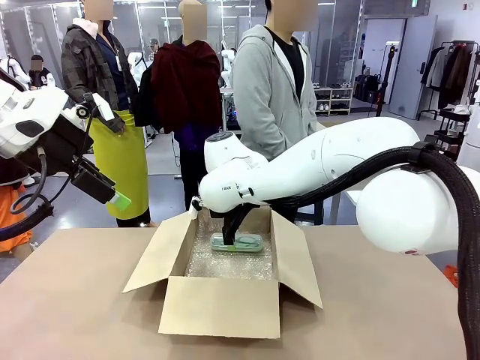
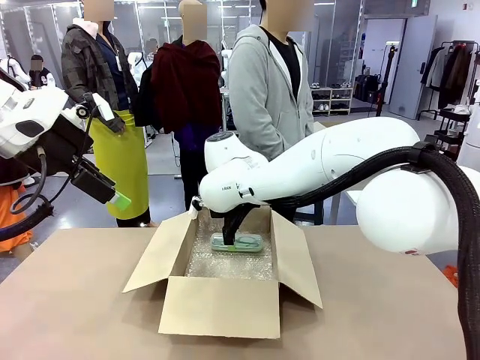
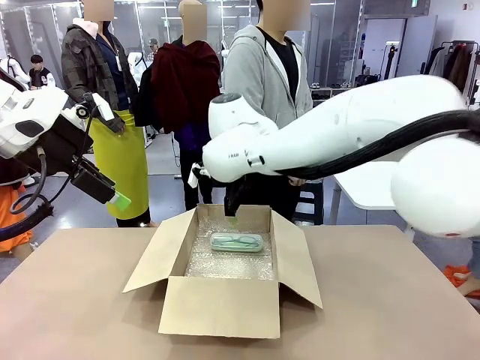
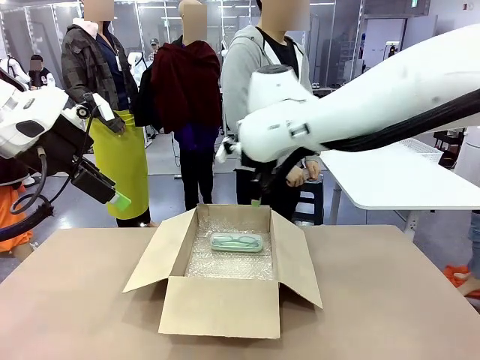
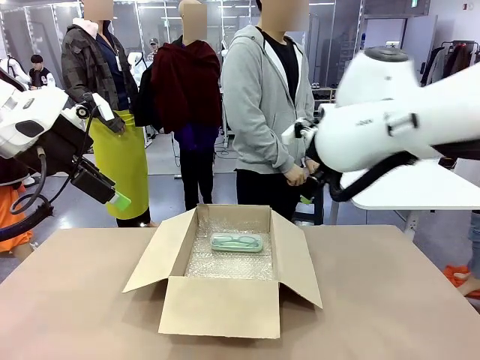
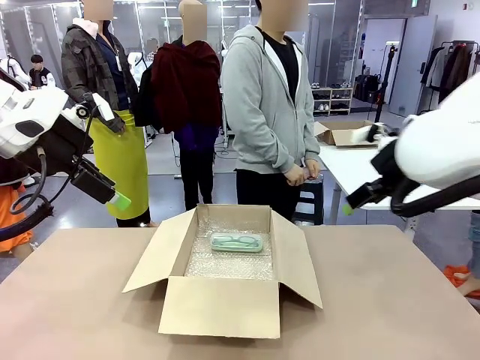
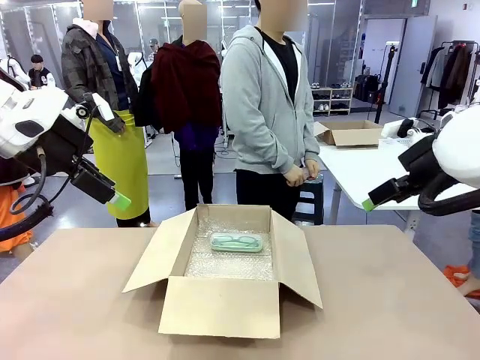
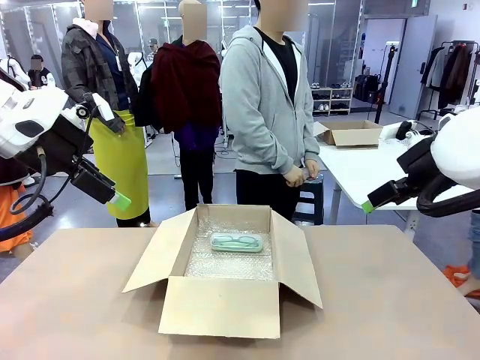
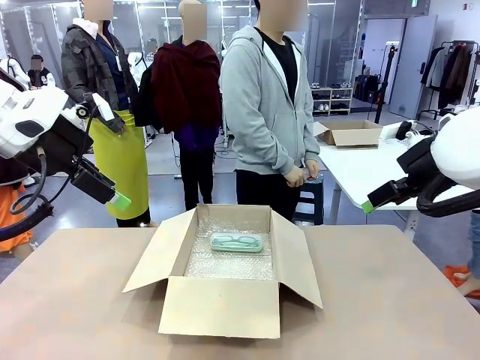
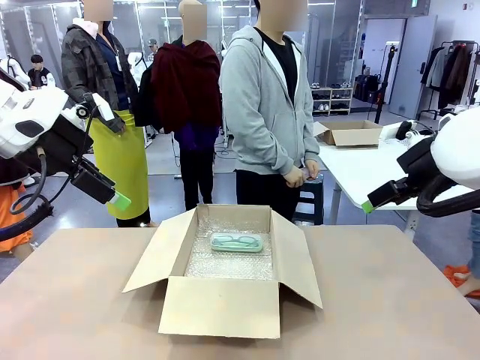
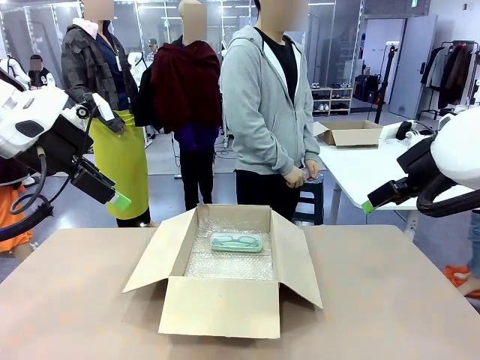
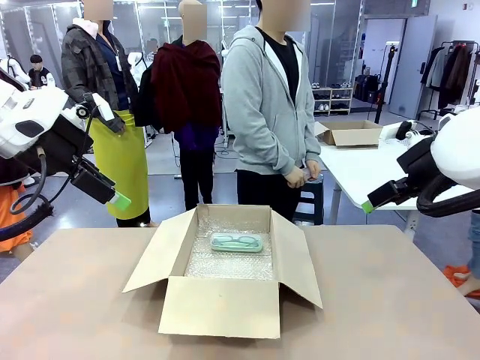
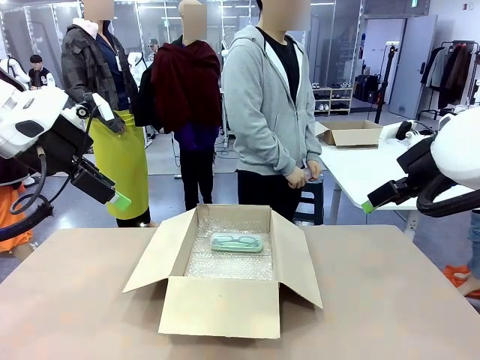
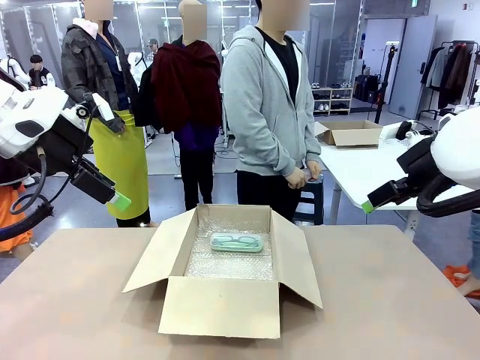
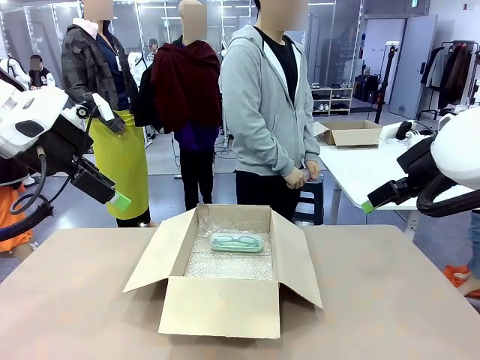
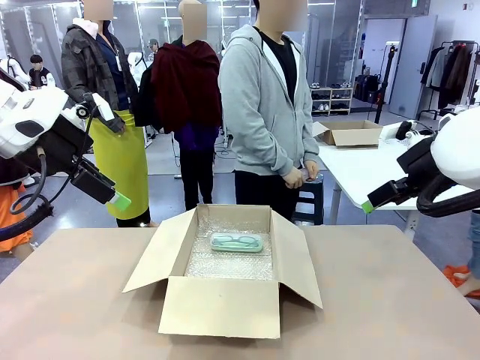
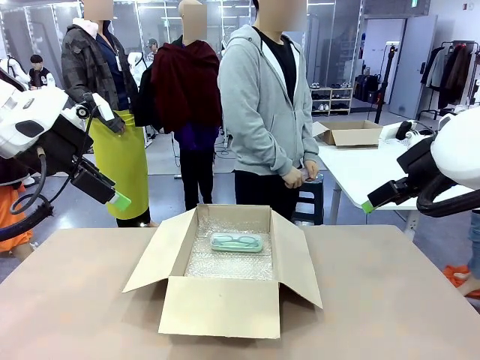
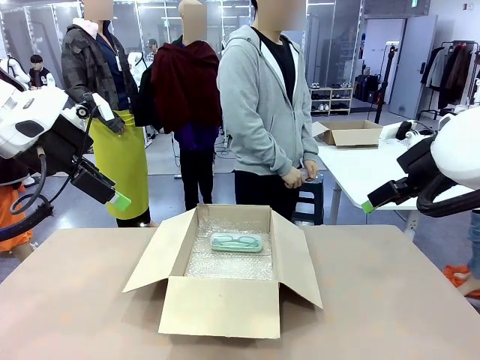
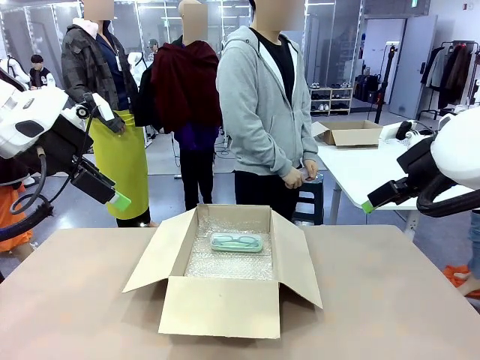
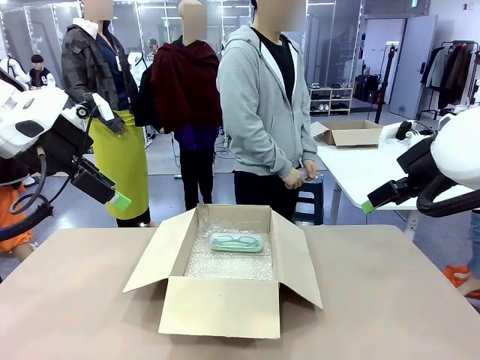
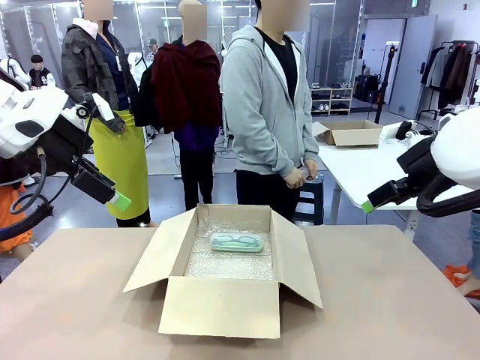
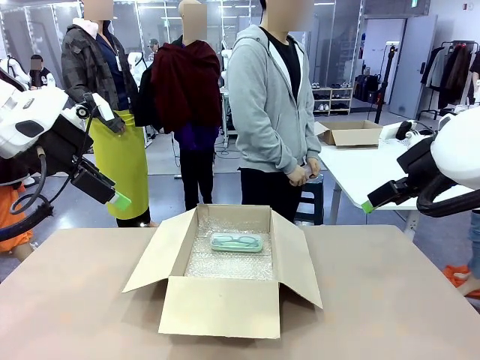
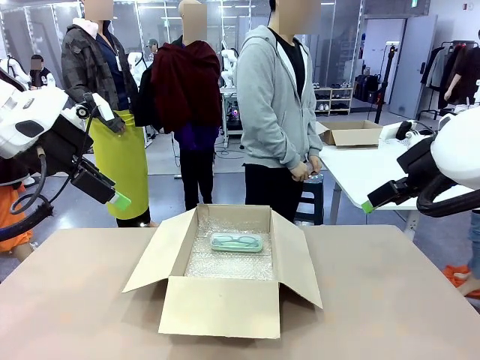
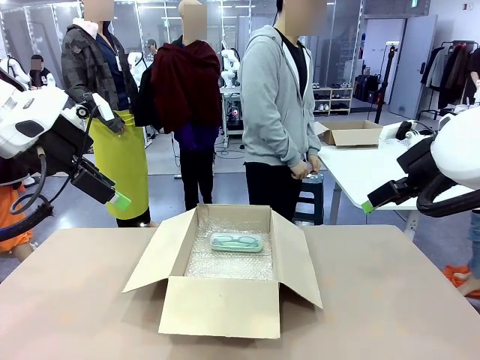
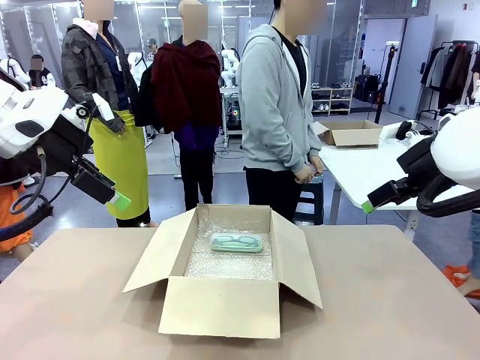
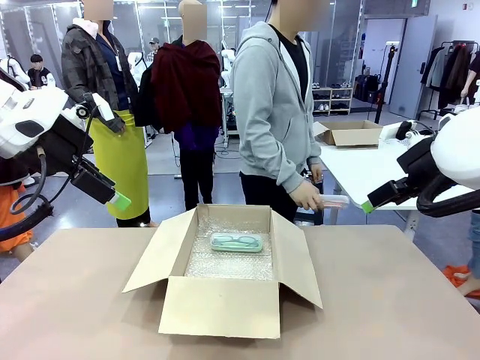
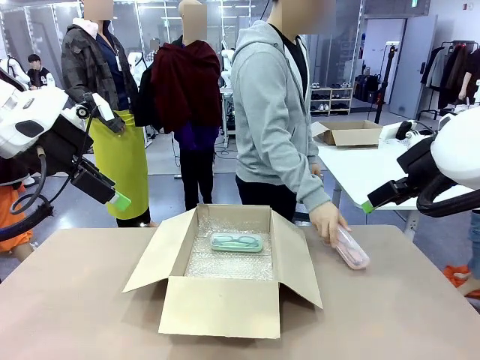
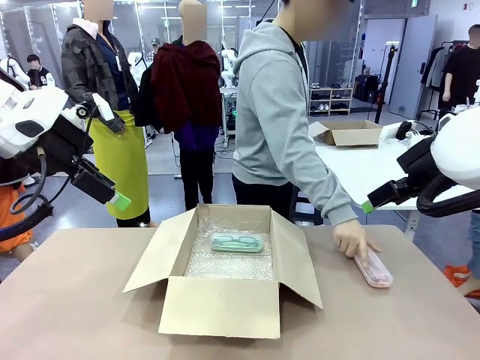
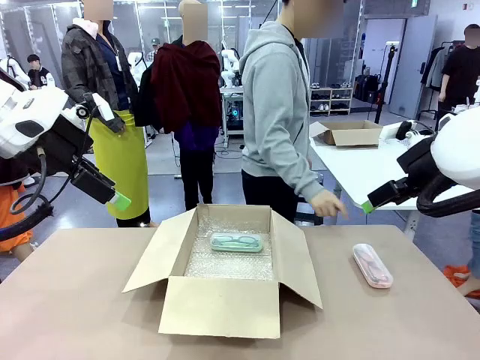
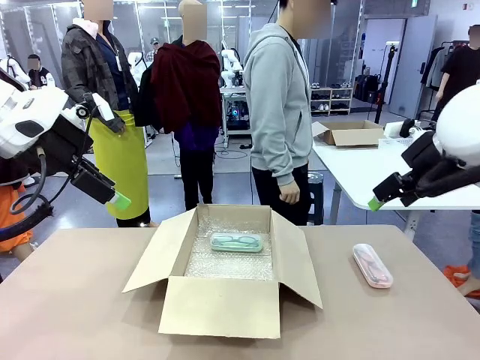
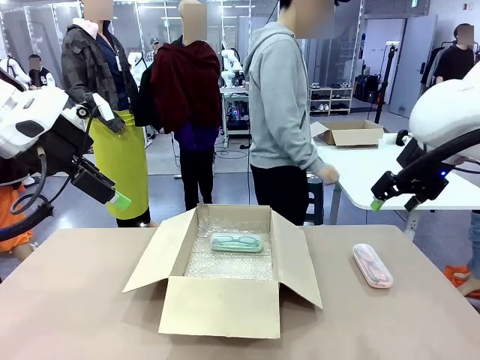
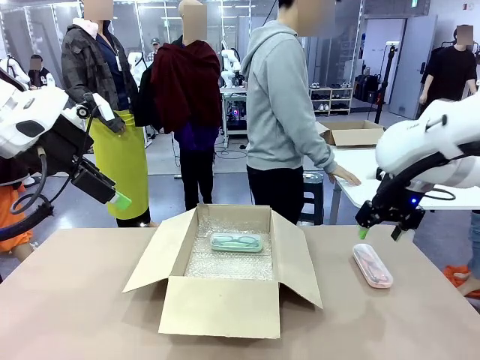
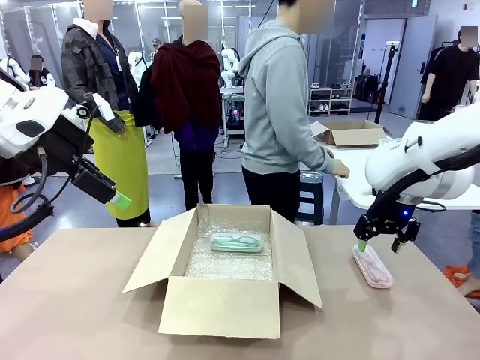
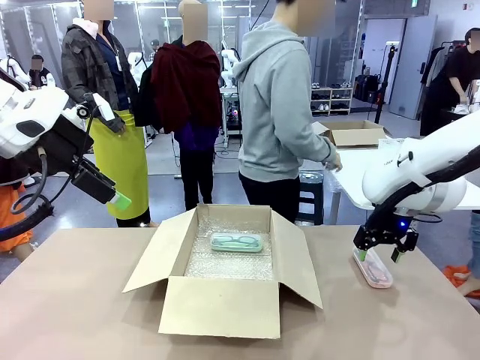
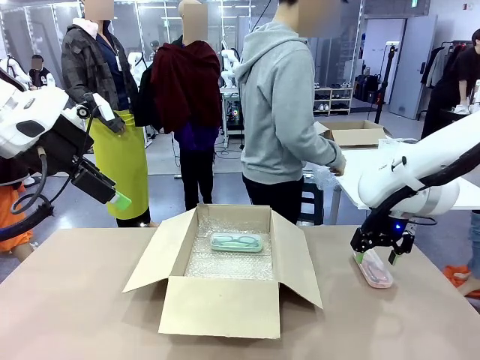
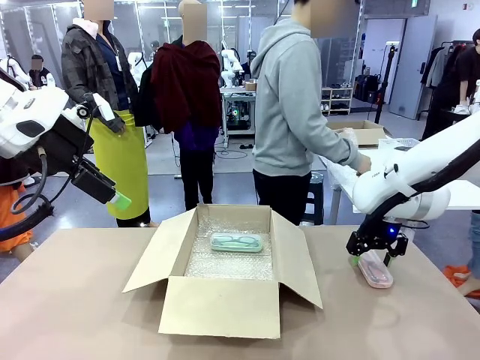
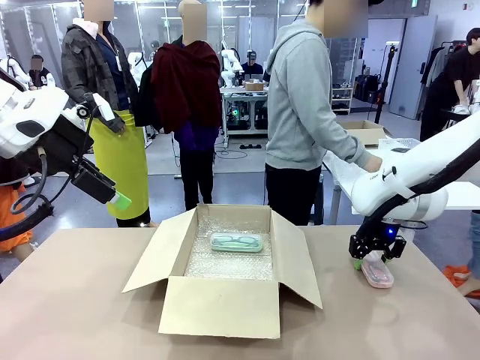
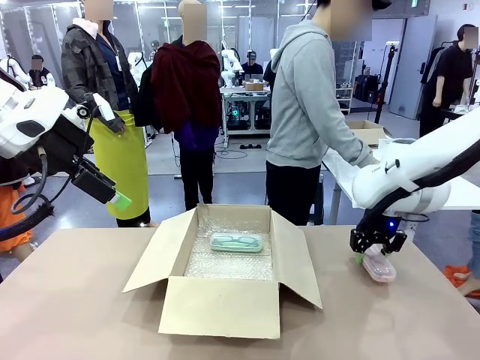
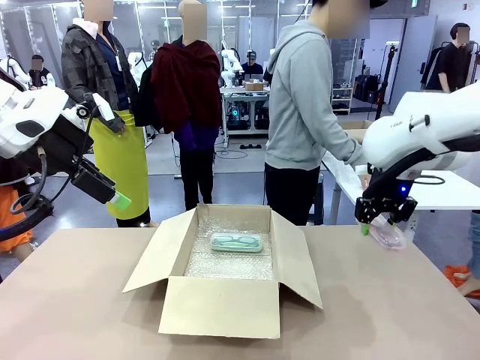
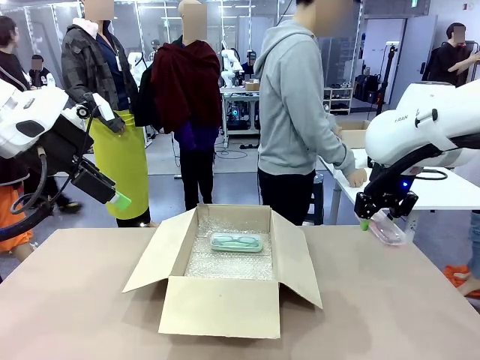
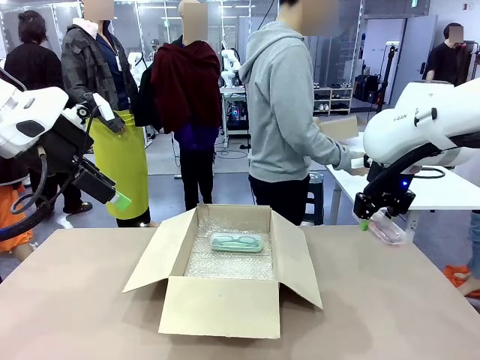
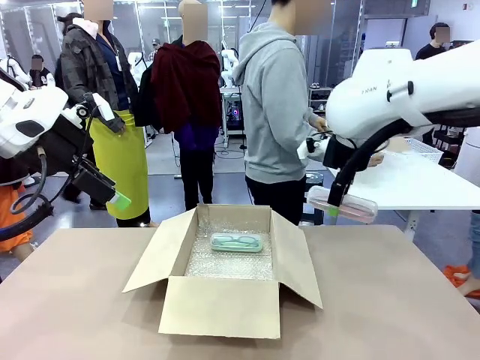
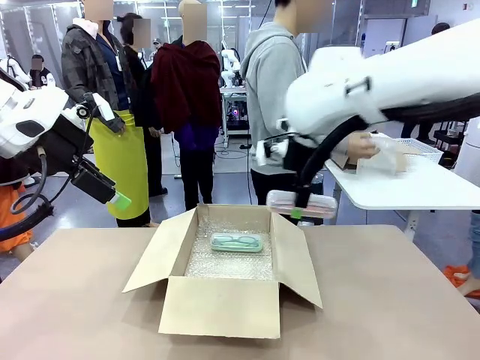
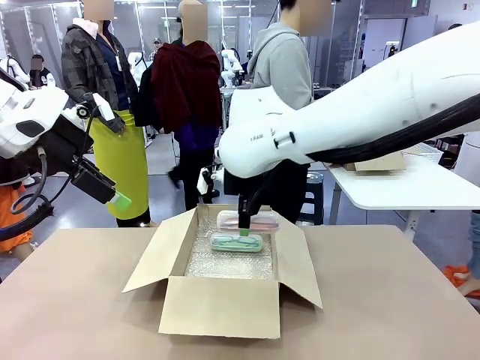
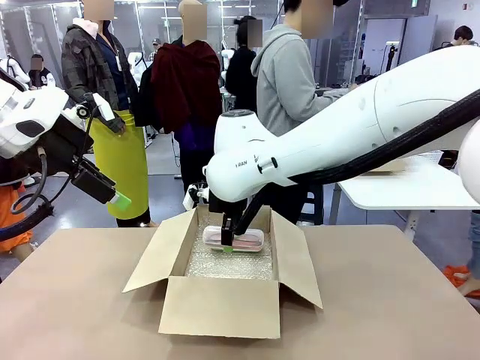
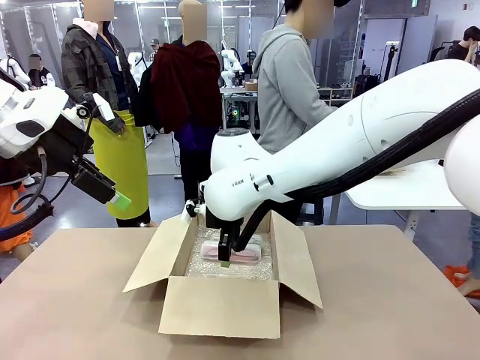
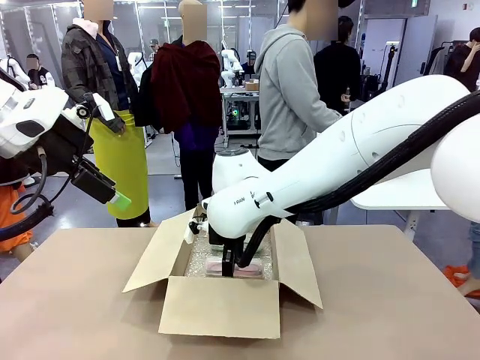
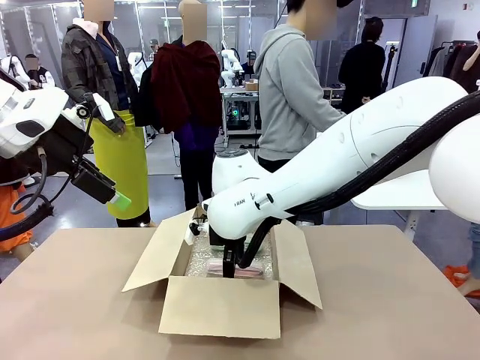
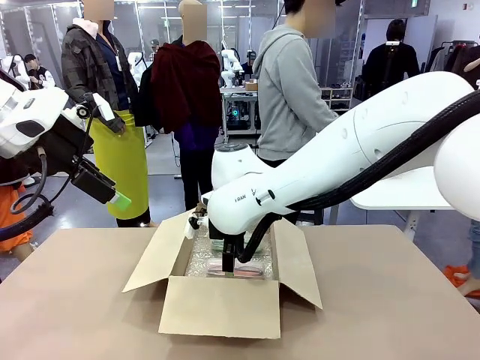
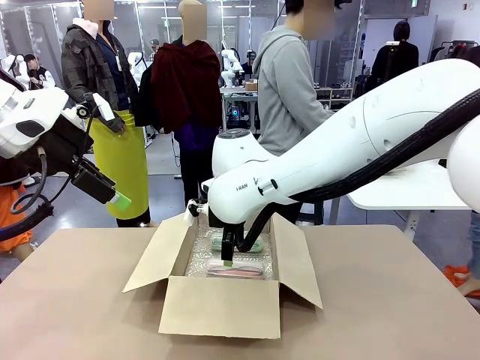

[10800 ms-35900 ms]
Task: Pack the glasses set securely to prepare it for shipping.
Robot: Put the Glasses case from the right side of the table into the Package Box.
Person: Position the Glasses case on the left side of the robot's table.
